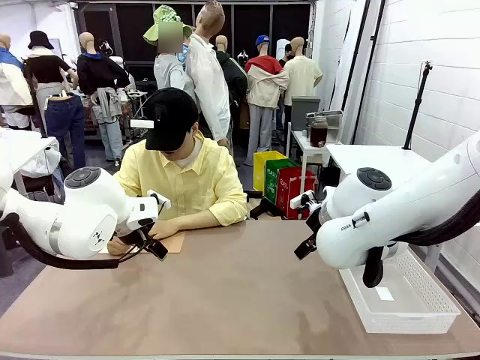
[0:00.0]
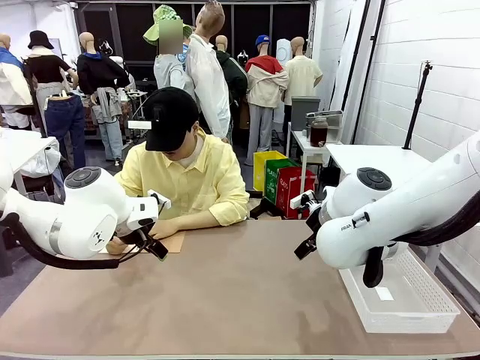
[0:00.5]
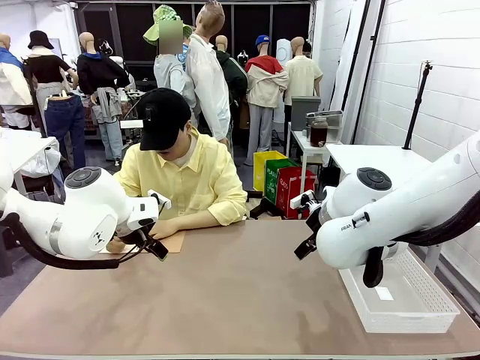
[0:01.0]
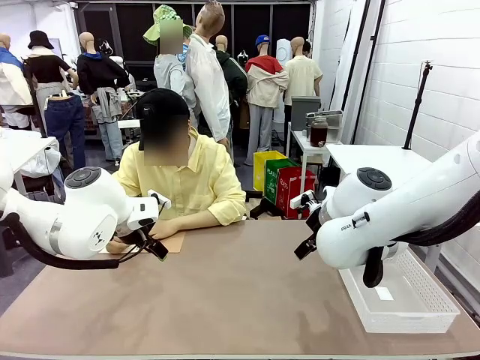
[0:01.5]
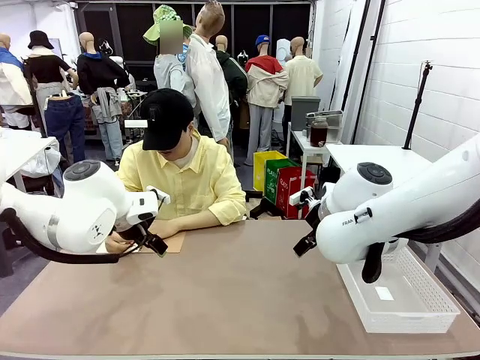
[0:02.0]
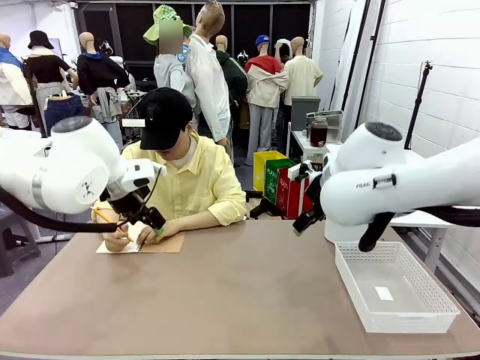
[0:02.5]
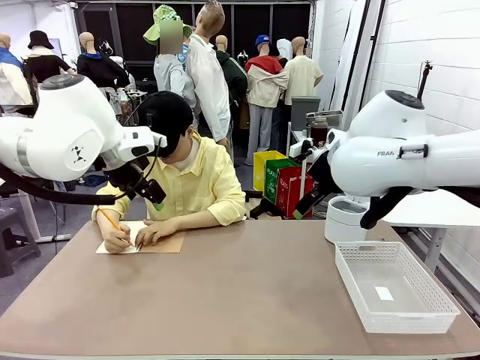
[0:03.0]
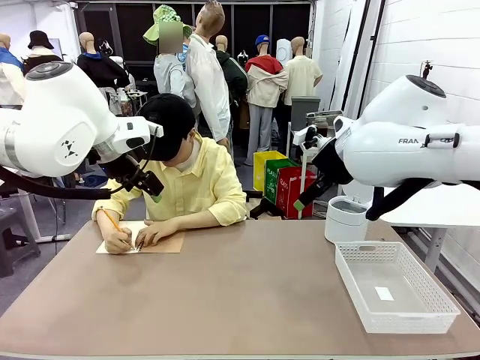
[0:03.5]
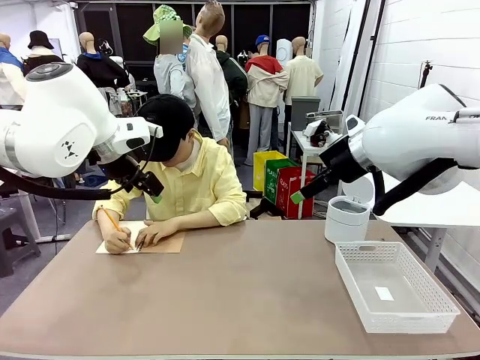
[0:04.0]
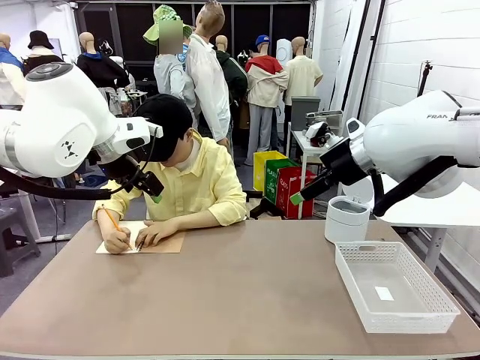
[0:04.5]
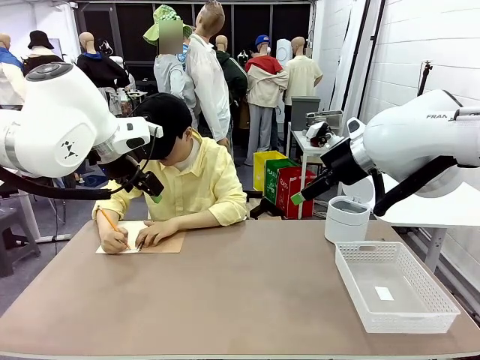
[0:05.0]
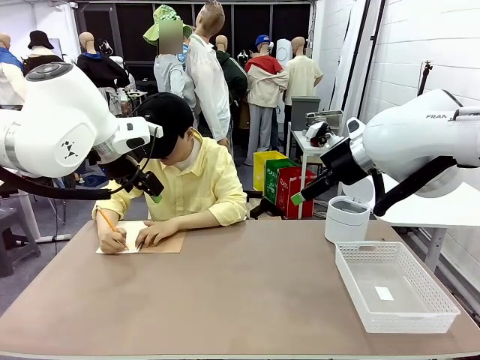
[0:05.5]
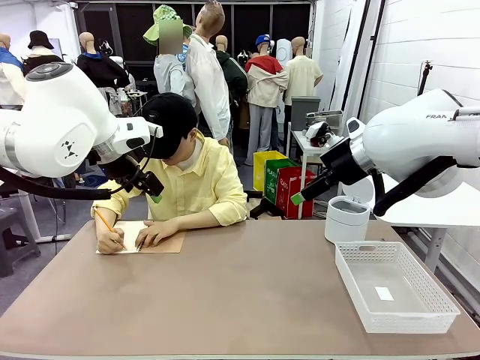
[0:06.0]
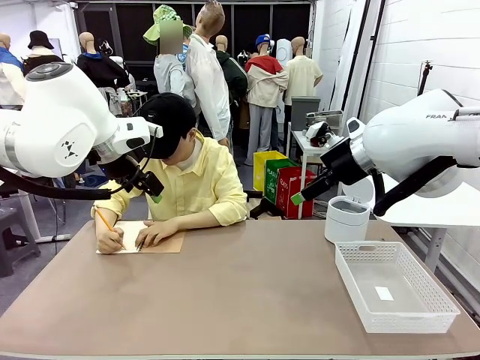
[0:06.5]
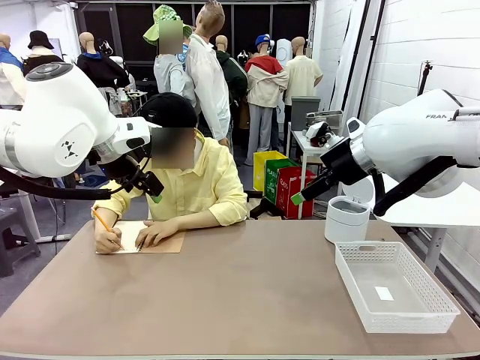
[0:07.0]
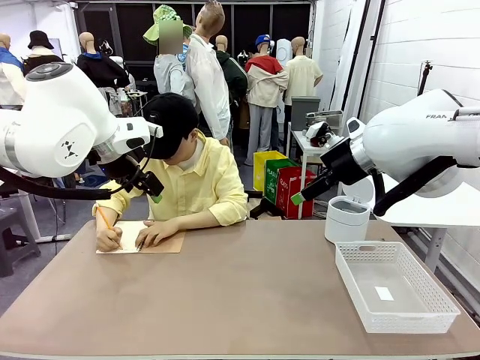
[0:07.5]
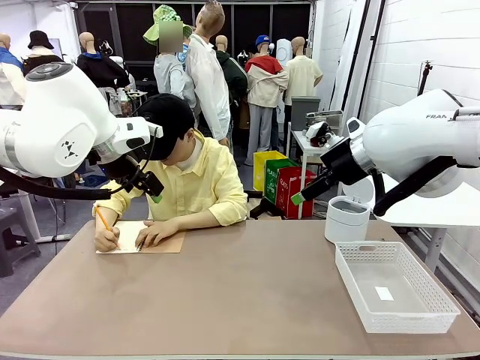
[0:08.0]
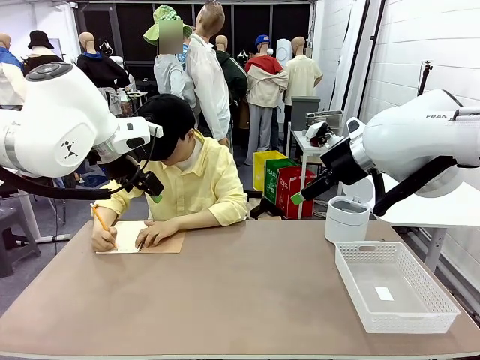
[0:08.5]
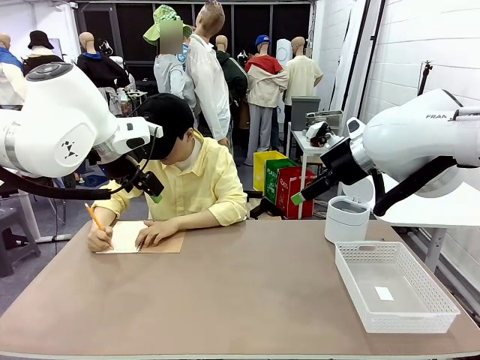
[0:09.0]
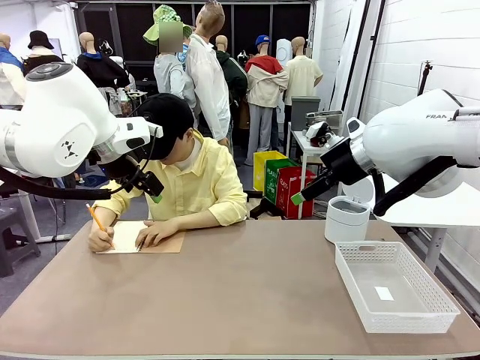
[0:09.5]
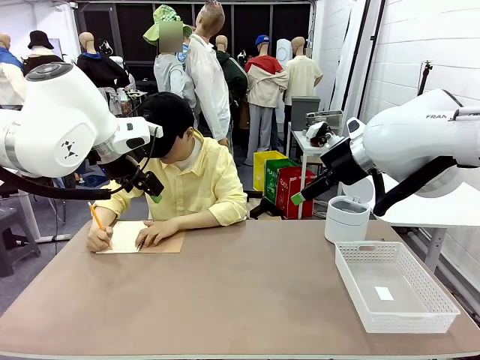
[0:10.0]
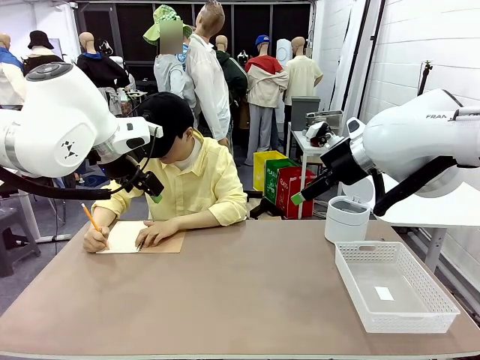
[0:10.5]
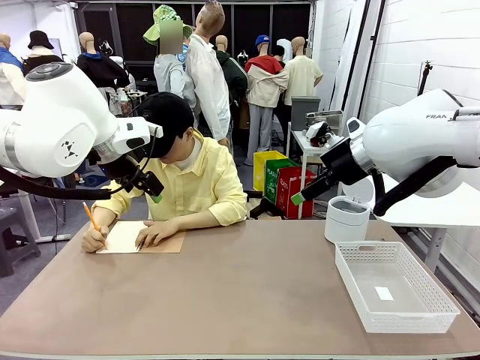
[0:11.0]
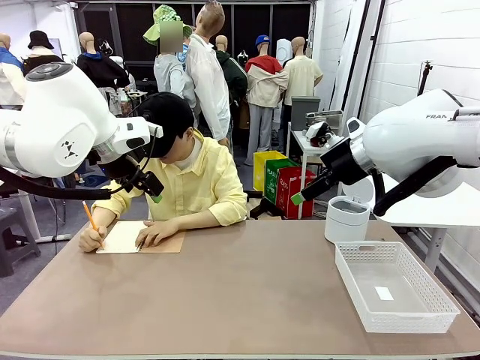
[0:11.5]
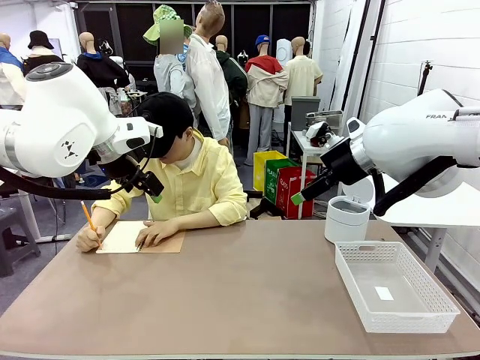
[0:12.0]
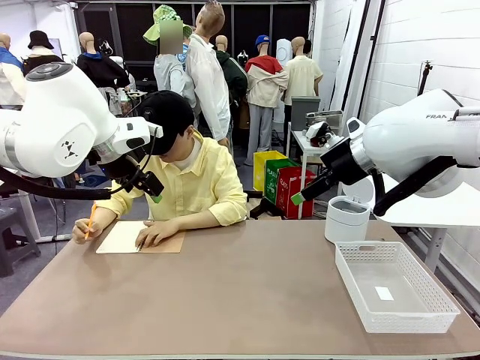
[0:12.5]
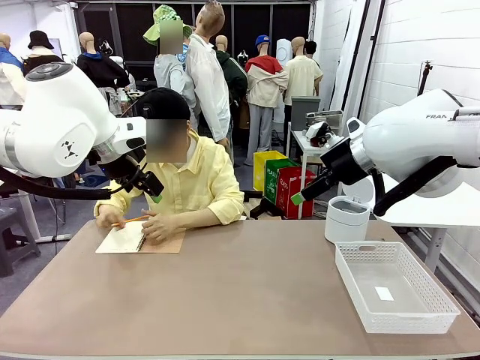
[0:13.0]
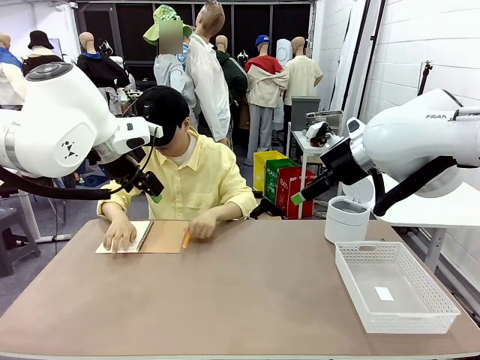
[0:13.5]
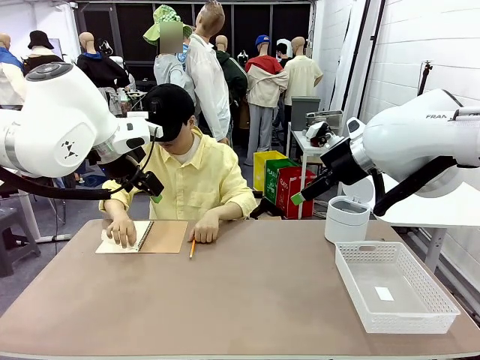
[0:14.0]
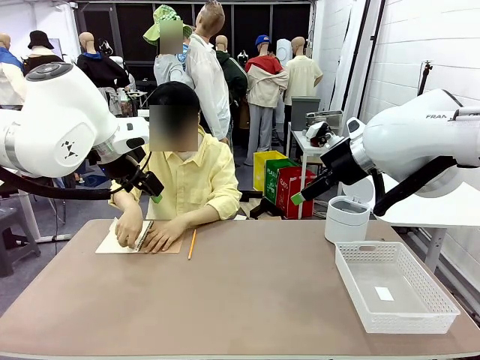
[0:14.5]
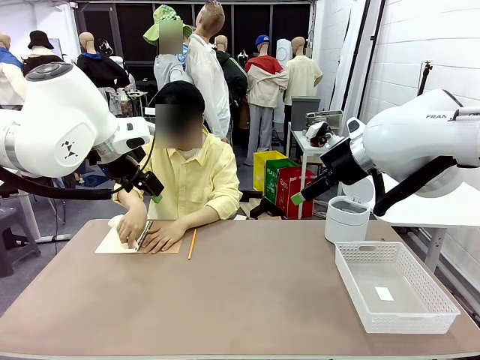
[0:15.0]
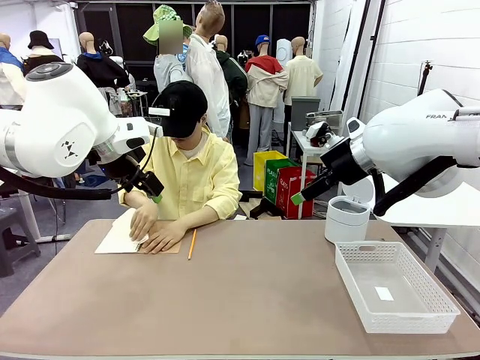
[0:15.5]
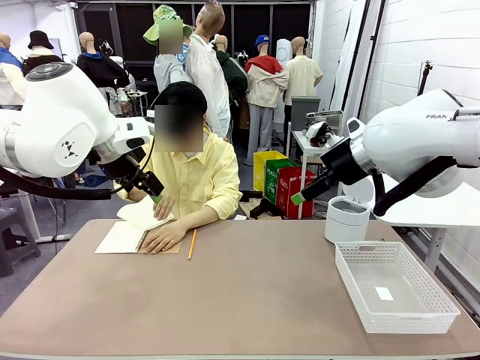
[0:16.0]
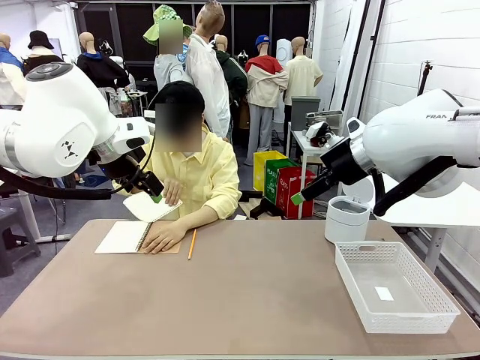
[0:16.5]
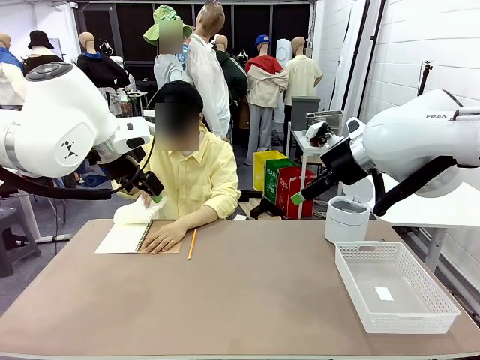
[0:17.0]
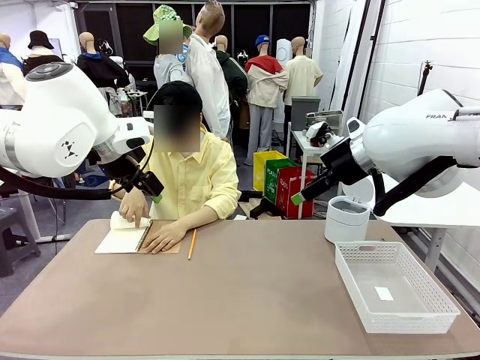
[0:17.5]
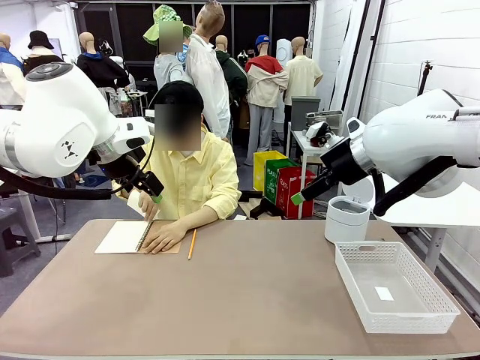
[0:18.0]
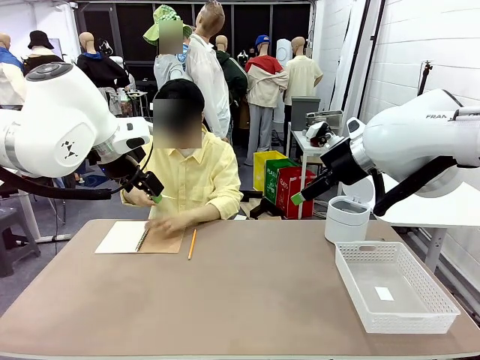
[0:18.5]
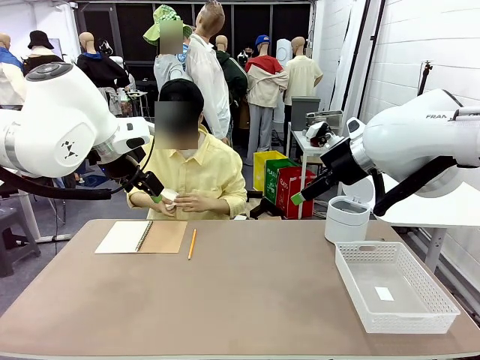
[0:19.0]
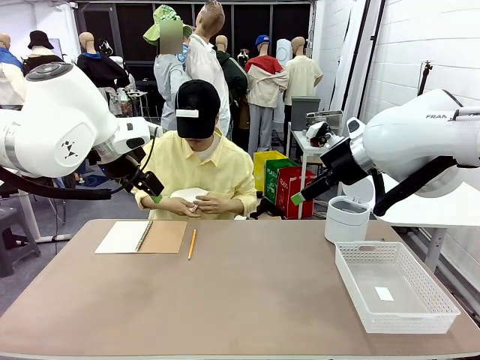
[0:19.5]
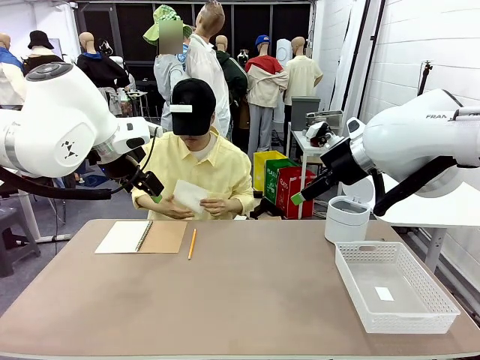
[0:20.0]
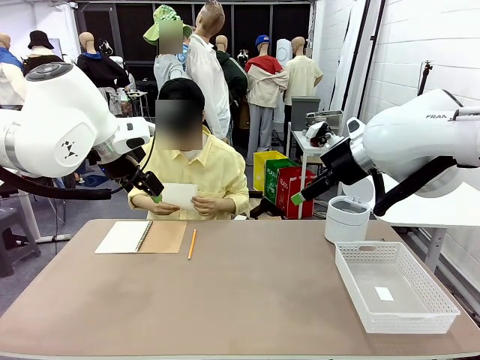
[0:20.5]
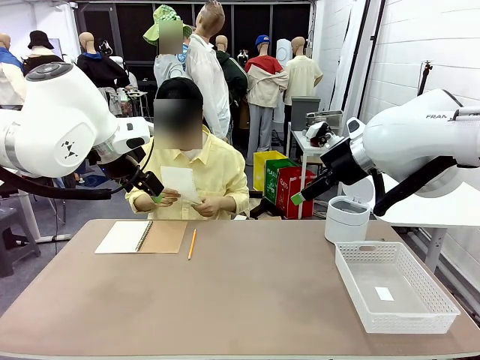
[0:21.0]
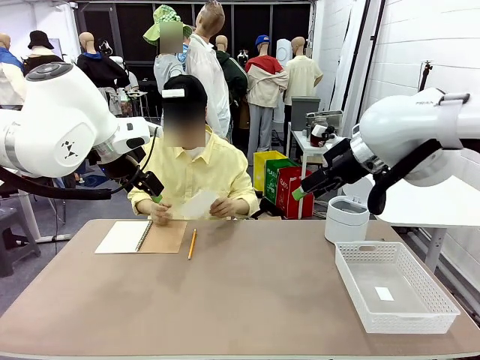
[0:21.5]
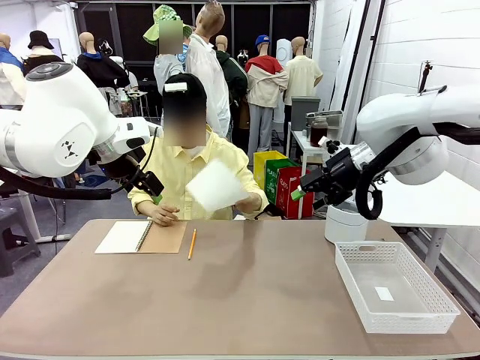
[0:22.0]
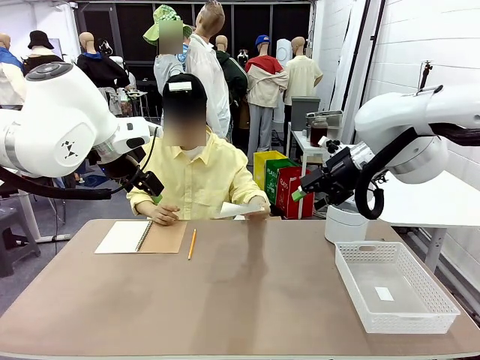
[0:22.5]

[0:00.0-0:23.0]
Task: Sort the paper based on its condition.
Robot: If a person hands you a paper, place it in the Organizing basket , and if it's crumpled, put it in the Trash can.
Person: Tear out a page from the spiral notebook. Hand the torn page to the robot or crumple it and throw it to the center of the table.

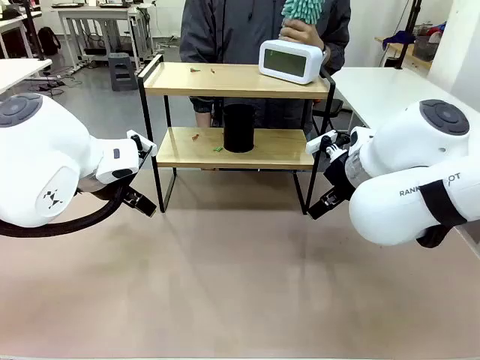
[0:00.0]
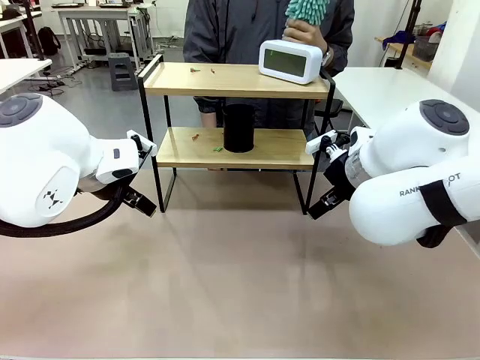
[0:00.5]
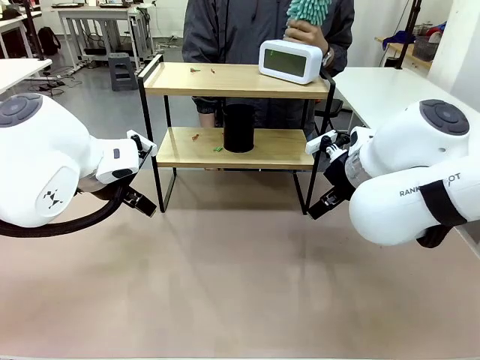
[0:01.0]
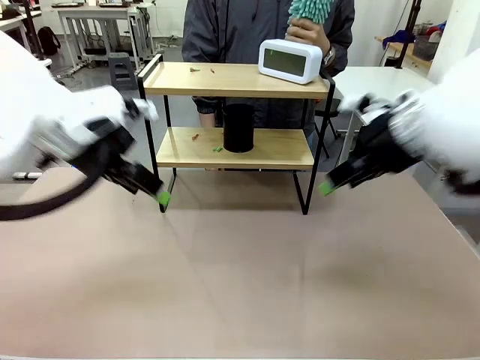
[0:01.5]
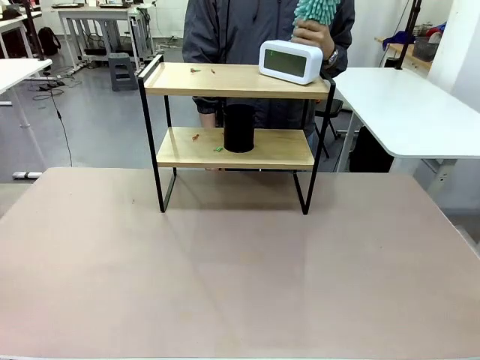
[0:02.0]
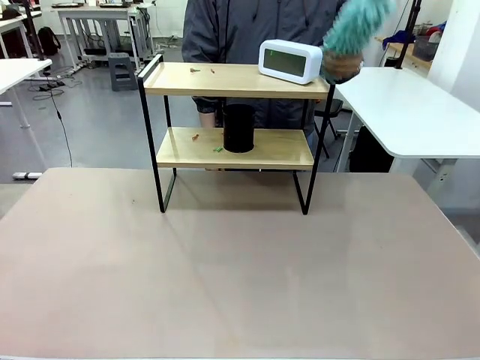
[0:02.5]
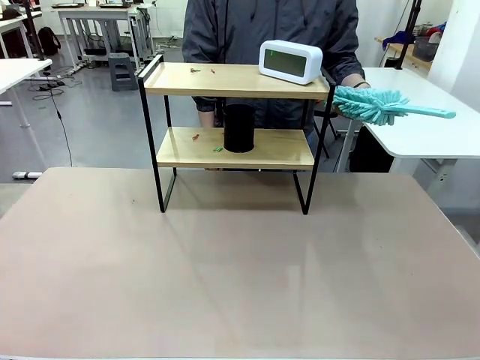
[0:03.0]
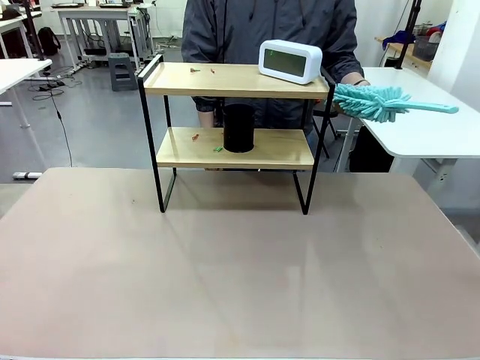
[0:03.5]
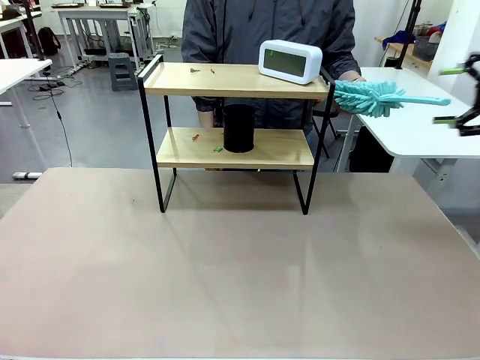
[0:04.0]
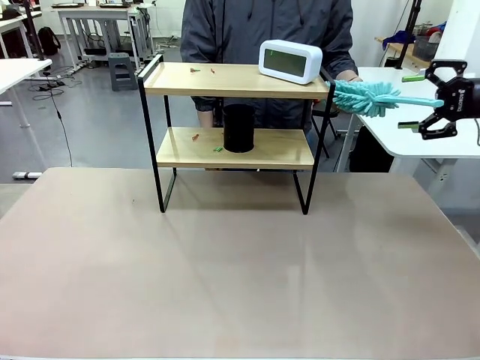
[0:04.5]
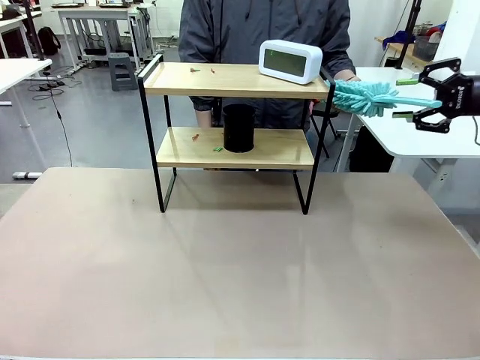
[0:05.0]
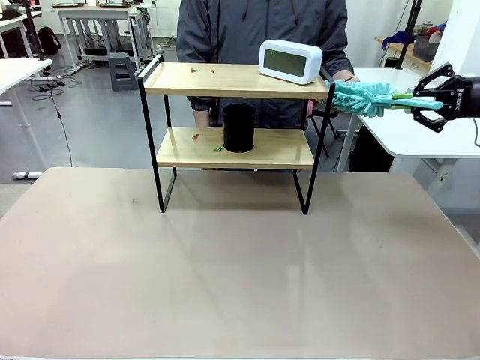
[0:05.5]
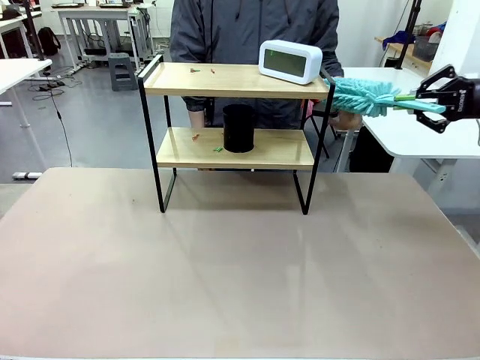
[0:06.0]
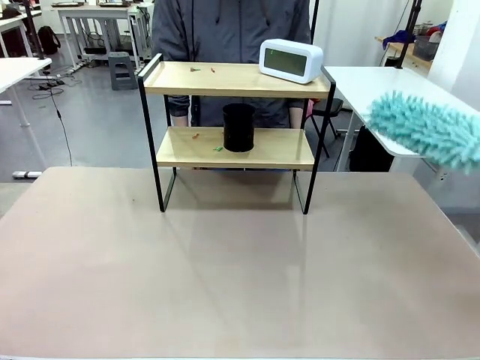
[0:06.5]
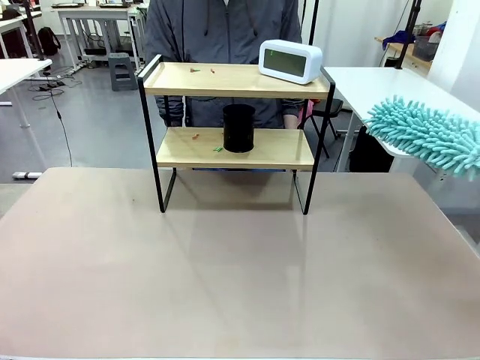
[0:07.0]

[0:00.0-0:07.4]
Task: Clean the shelf.
Robot: Pick up the Duster from the human.
Person: Hand the Duster to the robot.
